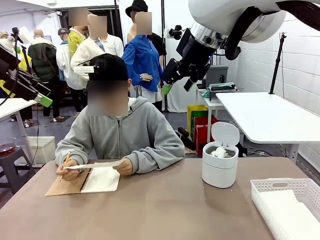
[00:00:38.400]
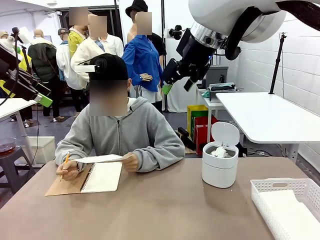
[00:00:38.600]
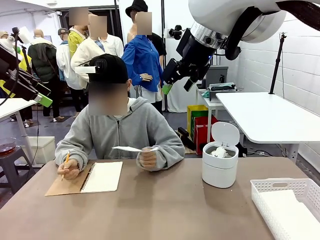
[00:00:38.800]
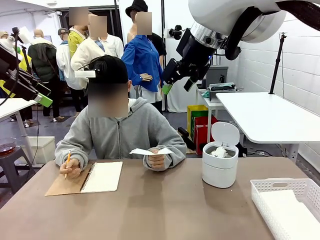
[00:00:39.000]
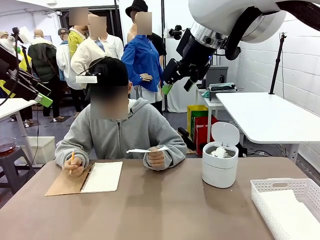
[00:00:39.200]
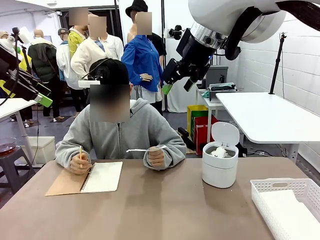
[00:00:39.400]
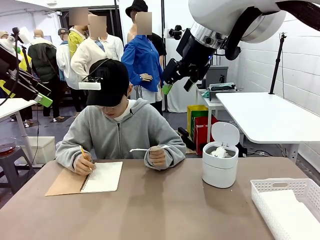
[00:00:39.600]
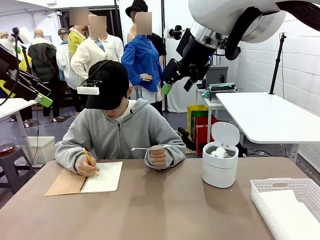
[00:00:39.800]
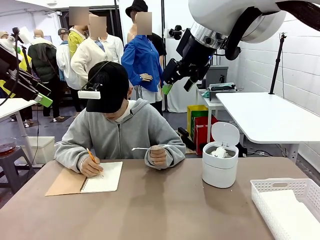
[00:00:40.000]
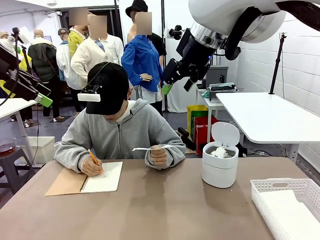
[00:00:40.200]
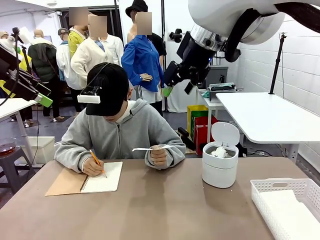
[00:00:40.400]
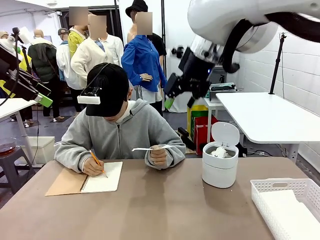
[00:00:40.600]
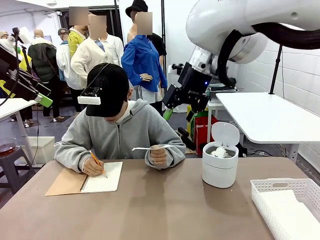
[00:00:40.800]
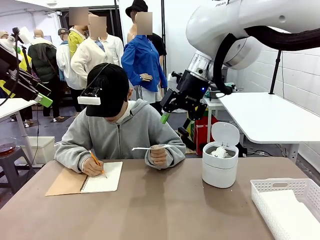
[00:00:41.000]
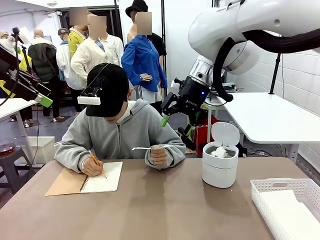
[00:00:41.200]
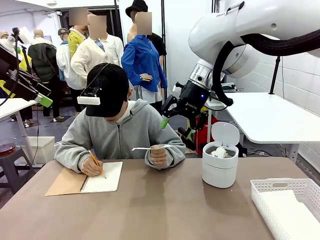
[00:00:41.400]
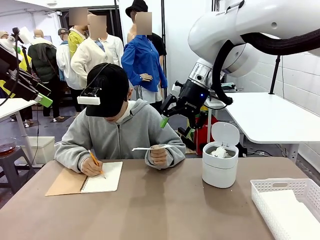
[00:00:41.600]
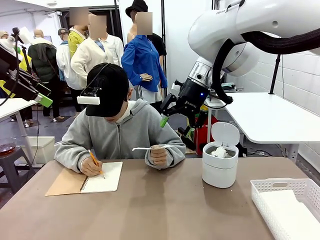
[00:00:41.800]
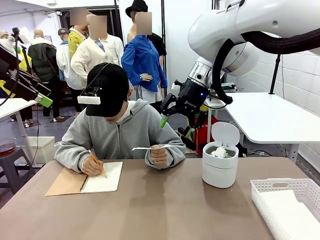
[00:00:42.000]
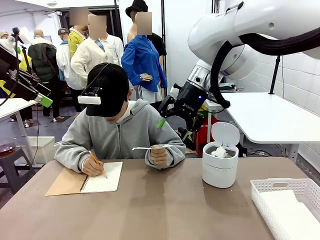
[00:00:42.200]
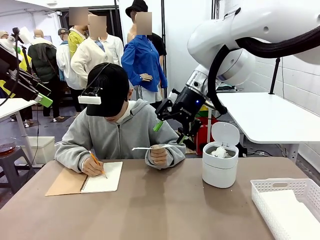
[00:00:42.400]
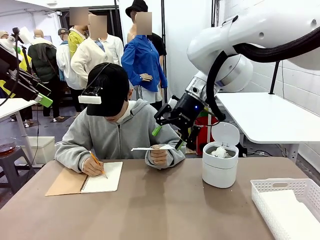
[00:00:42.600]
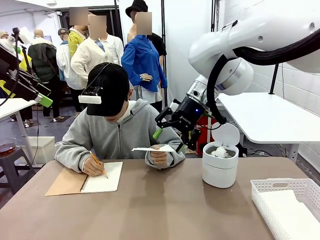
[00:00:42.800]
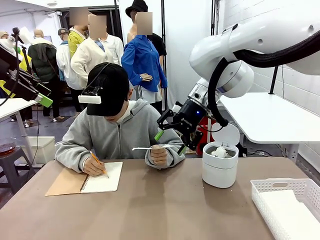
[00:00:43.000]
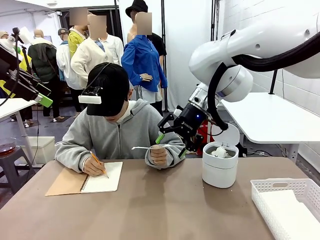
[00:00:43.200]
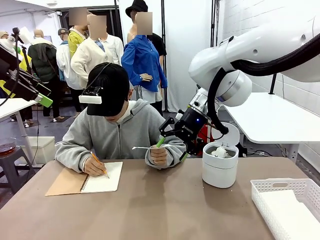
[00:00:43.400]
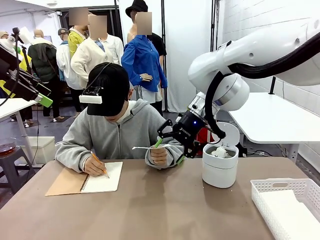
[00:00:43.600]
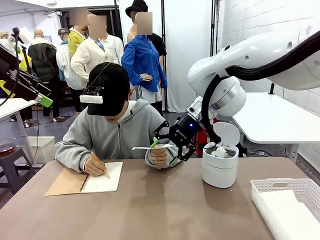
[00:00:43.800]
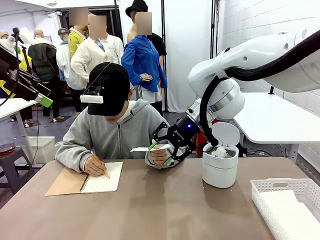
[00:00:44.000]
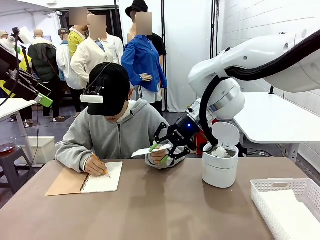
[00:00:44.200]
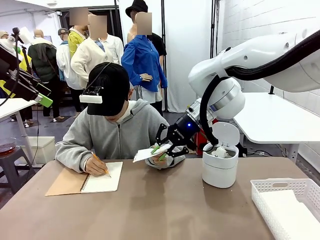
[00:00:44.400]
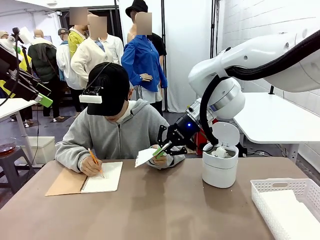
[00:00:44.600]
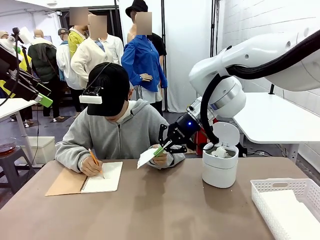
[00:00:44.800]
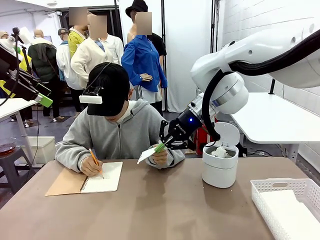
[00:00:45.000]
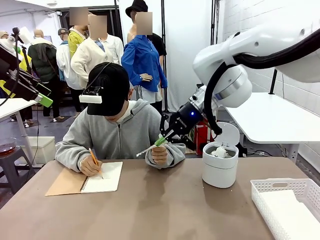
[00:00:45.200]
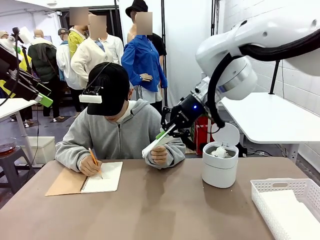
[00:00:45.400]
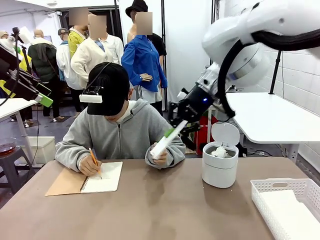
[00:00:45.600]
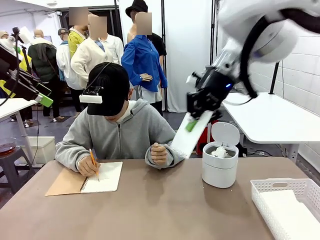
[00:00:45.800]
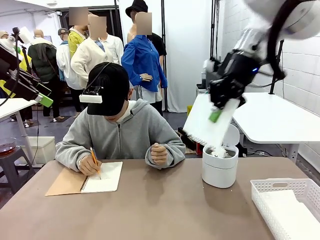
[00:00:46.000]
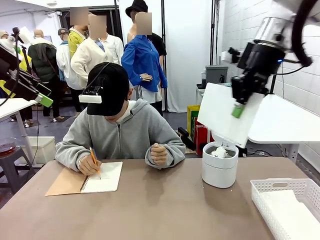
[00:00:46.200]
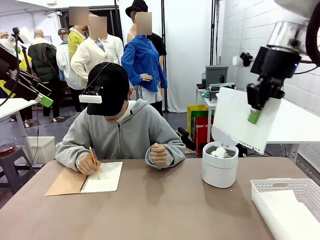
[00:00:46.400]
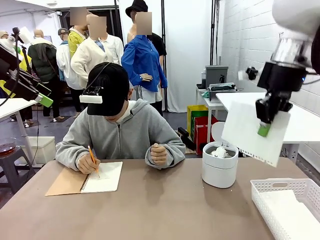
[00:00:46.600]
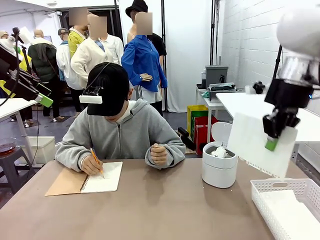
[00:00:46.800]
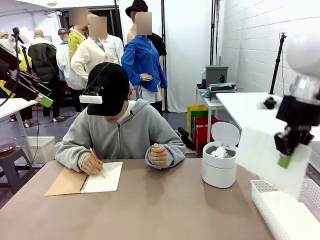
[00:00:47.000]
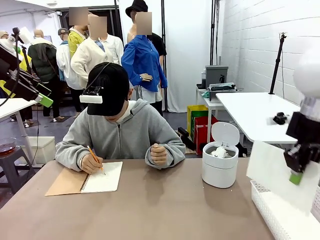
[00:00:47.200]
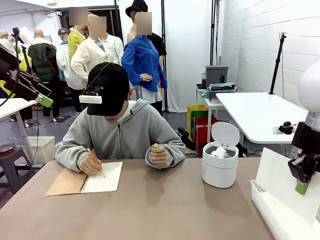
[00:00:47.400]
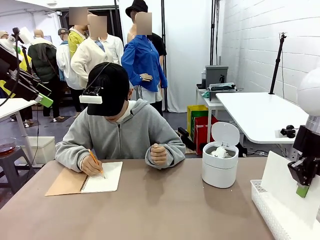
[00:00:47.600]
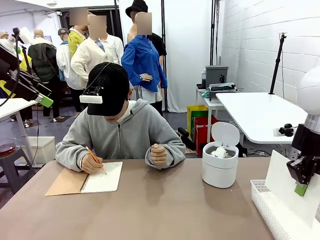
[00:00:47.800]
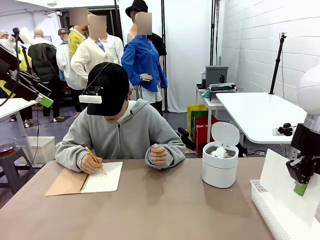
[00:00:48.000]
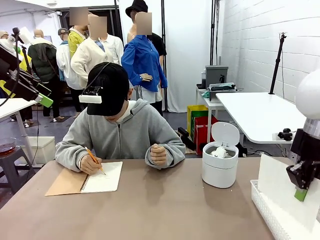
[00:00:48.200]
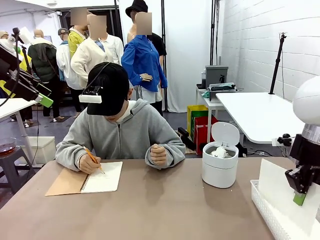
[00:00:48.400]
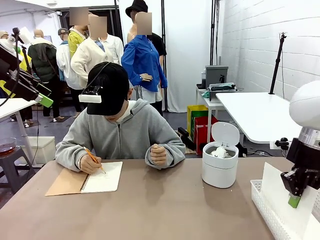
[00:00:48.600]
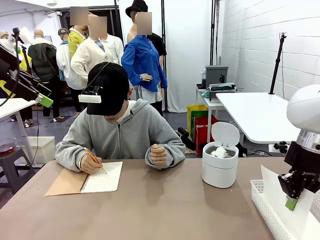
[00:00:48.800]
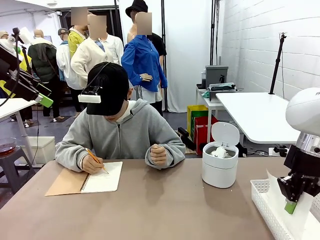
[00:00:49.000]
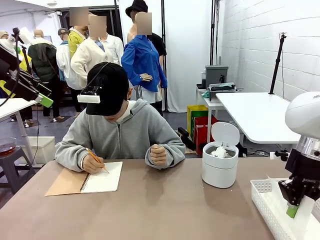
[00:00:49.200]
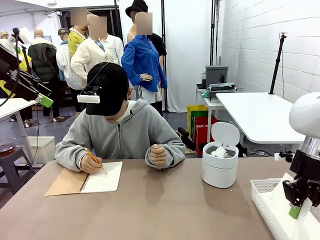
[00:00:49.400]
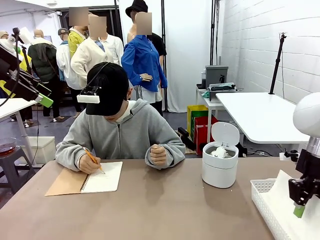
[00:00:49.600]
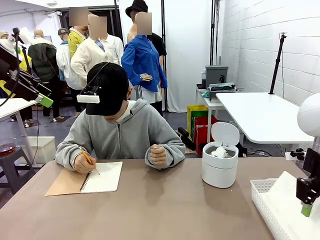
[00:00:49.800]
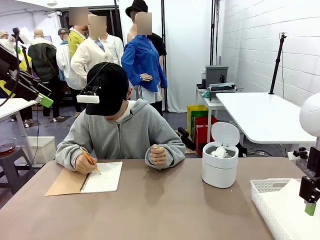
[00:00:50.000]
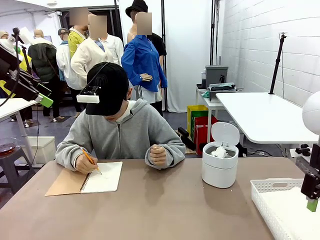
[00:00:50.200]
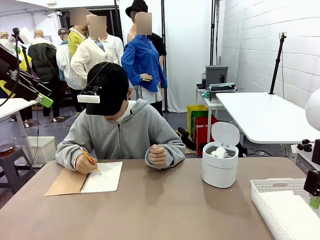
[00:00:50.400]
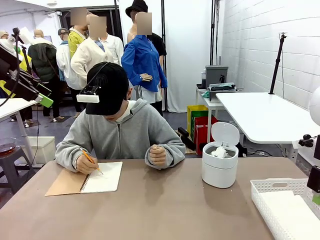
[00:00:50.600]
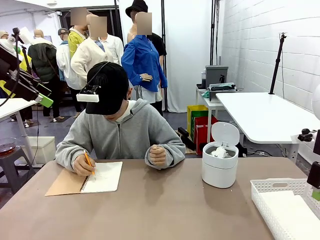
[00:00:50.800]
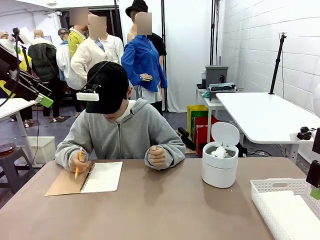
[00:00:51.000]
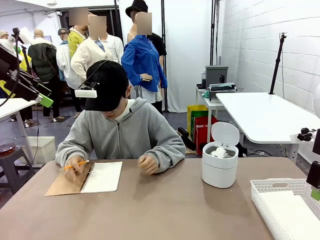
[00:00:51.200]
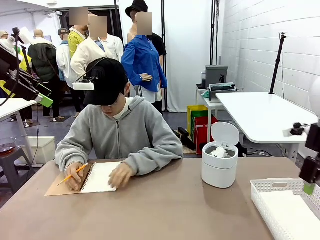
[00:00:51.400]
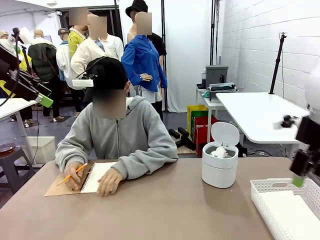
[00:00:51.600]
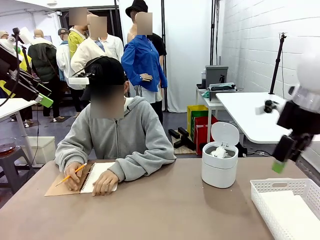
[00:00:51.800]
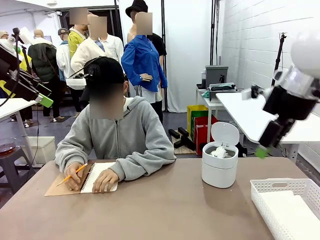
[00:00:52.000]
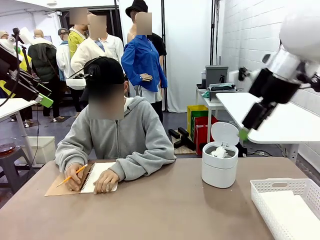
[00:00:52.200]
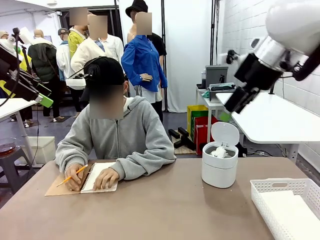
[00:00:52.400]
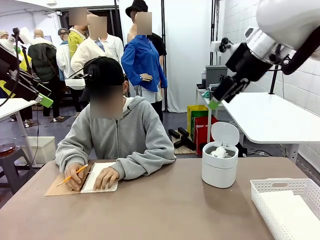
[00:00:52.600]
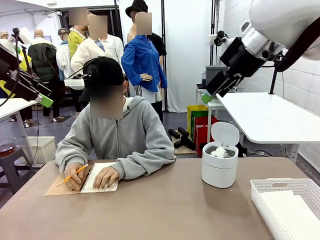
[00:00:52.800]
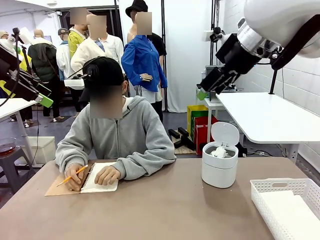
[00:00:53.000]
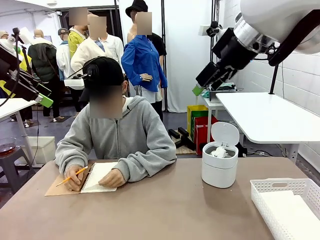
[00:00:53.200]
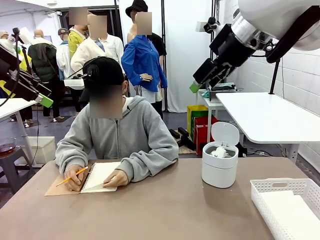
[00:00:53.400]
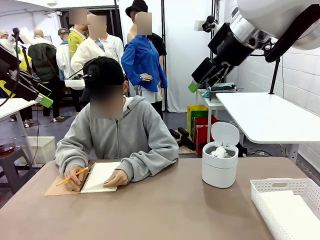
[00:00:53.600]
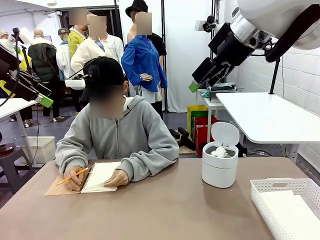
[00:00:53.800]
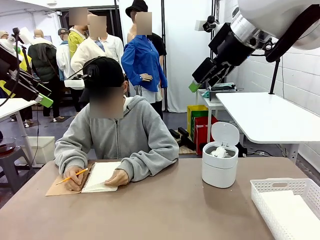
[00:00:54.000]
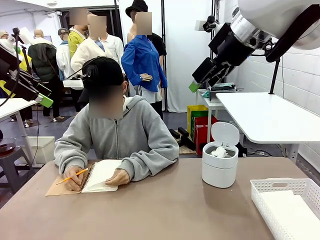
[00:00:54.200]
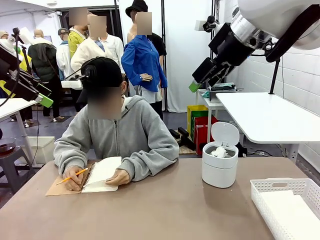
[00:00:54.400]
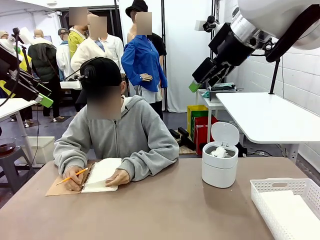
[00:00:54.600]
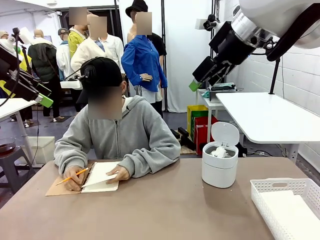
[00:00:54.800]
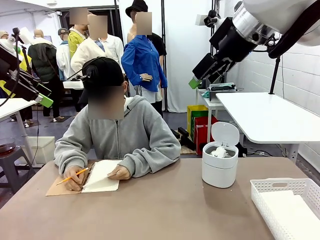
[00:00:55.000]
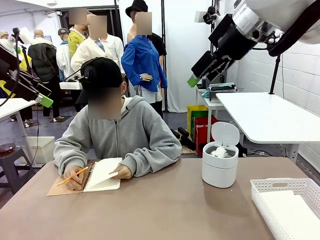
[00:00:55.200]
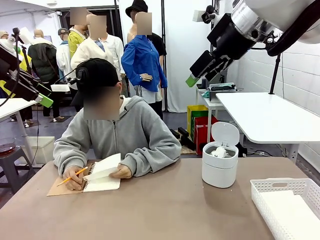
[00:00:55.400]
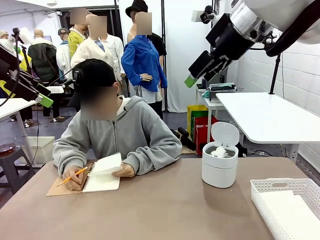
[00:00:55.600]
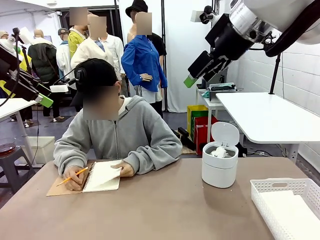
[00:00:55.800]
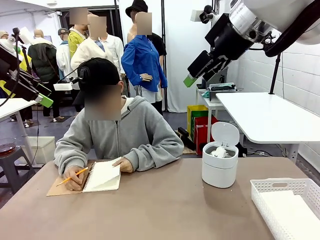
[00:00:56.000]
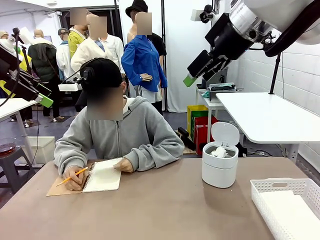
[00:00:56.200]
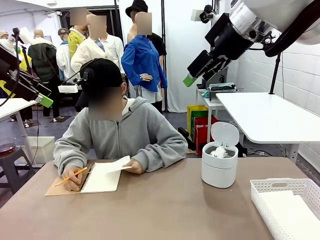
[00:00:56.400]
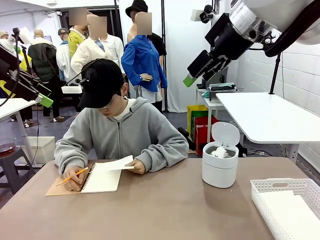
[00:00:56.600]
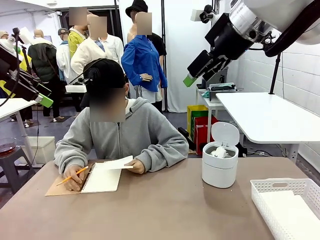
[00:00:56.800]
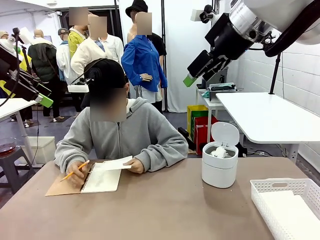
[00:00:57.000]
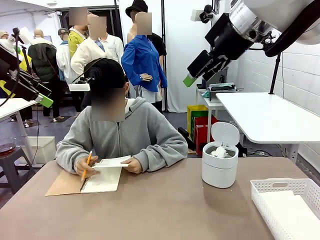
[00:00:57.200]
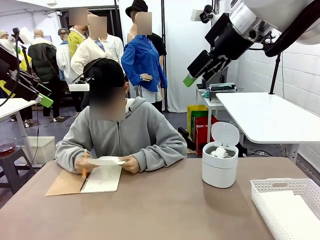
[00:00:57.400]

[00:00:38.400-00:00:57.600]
Task: Sort the paper based on its condition.
Robot: If a person hands you a paper, place it in the Organizing basket , and if it's crumpled, put it in the Trash can.
Person: Hand the torn page to the robot or crumple it and throw it to the center of the table. Tear out a page from the spiral notebook.
